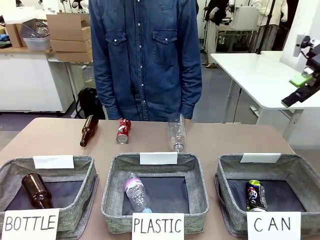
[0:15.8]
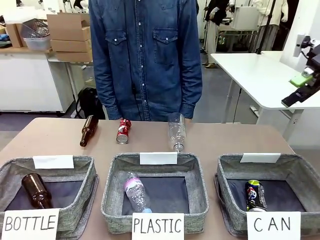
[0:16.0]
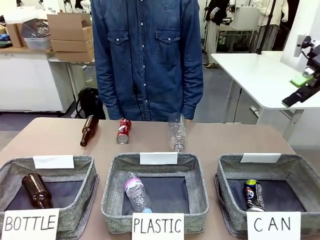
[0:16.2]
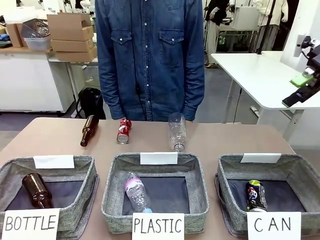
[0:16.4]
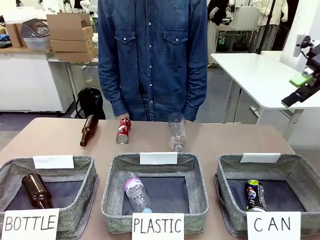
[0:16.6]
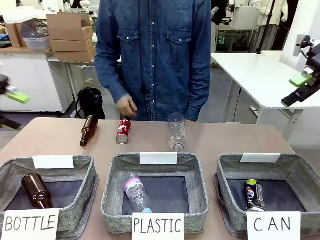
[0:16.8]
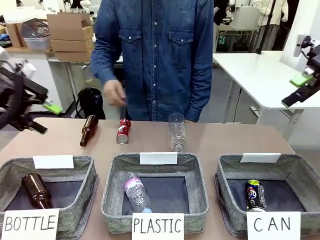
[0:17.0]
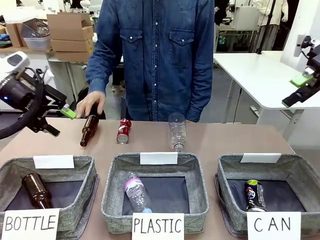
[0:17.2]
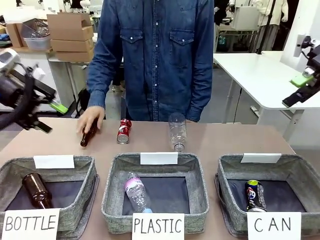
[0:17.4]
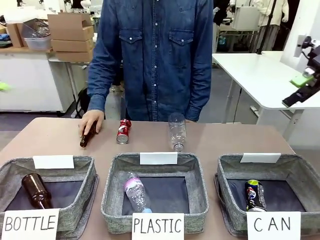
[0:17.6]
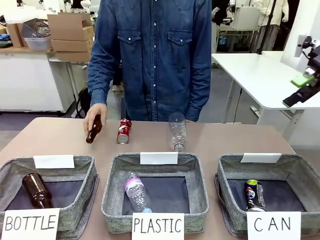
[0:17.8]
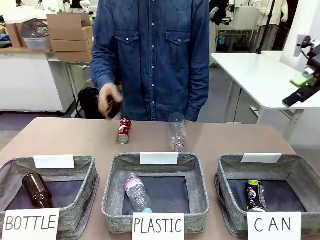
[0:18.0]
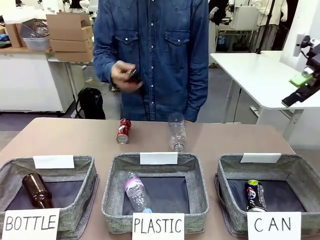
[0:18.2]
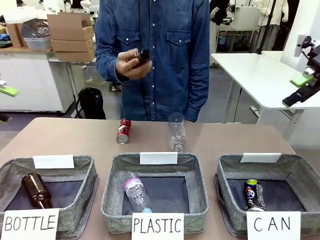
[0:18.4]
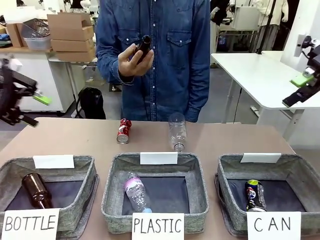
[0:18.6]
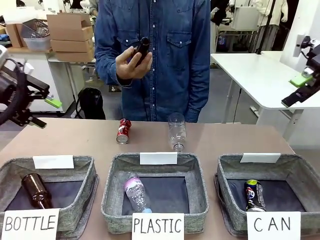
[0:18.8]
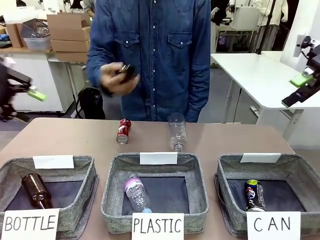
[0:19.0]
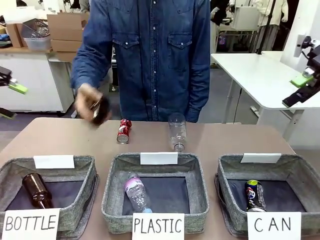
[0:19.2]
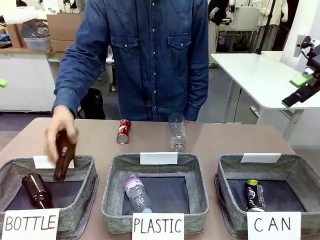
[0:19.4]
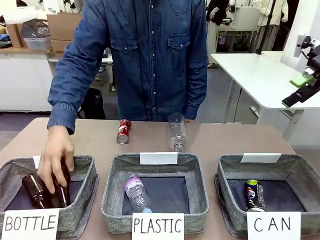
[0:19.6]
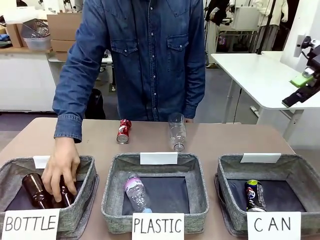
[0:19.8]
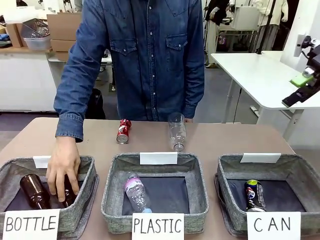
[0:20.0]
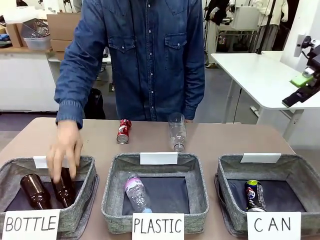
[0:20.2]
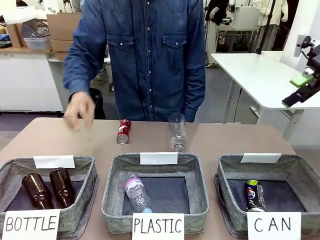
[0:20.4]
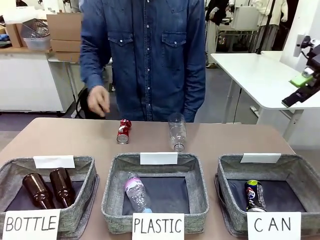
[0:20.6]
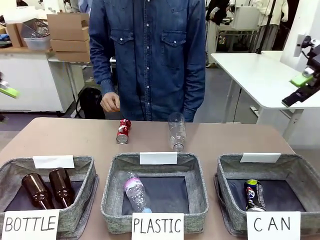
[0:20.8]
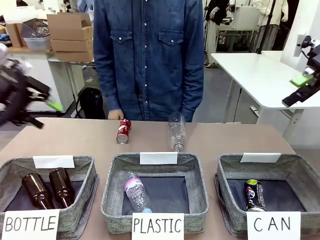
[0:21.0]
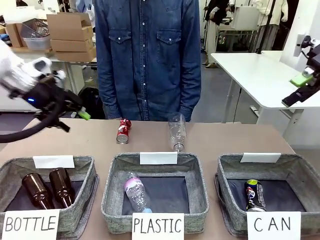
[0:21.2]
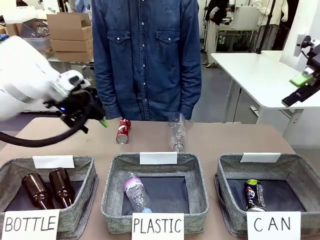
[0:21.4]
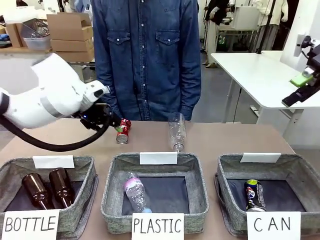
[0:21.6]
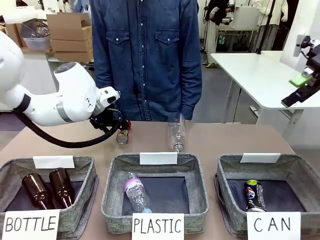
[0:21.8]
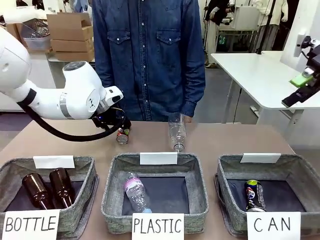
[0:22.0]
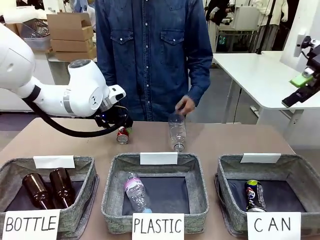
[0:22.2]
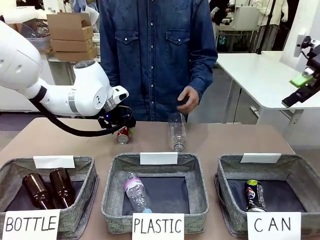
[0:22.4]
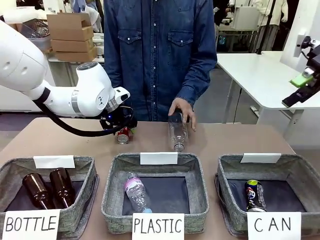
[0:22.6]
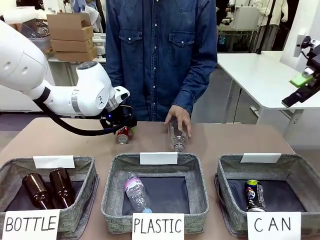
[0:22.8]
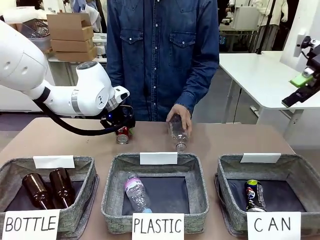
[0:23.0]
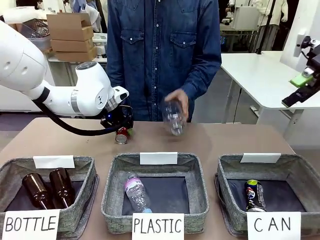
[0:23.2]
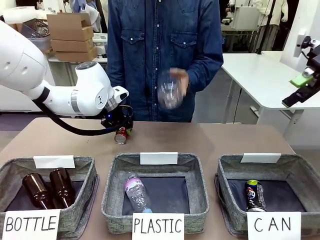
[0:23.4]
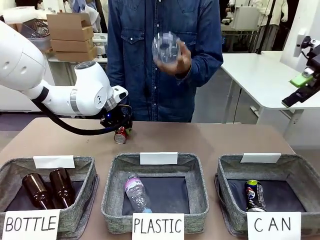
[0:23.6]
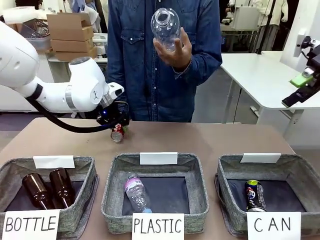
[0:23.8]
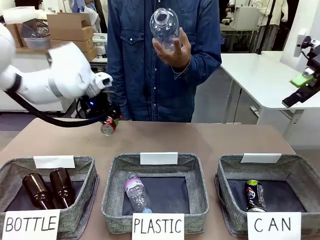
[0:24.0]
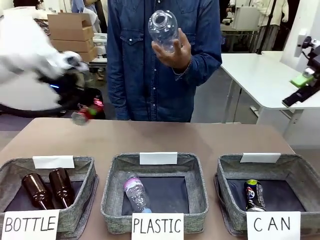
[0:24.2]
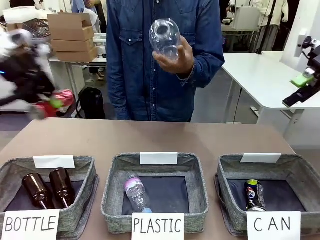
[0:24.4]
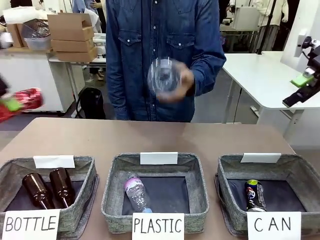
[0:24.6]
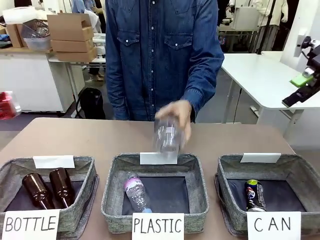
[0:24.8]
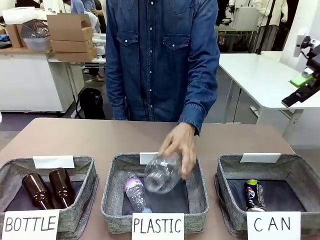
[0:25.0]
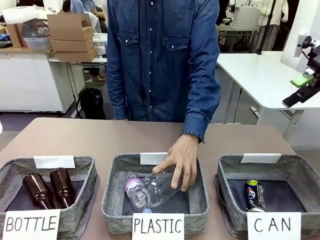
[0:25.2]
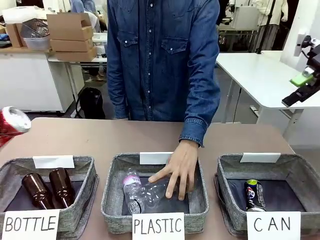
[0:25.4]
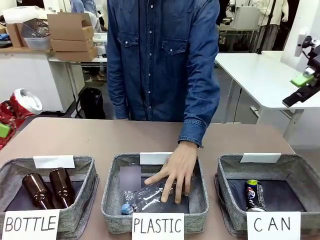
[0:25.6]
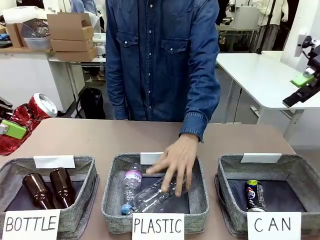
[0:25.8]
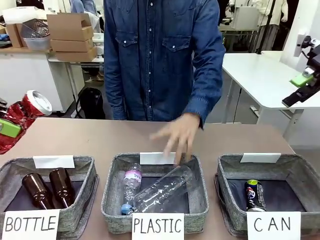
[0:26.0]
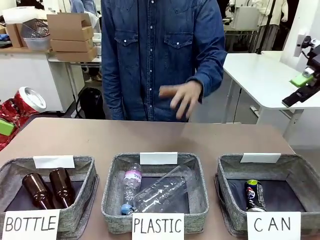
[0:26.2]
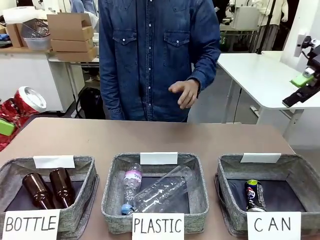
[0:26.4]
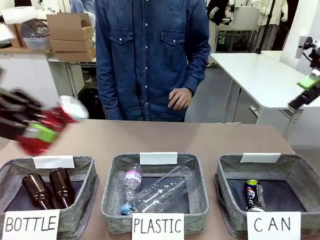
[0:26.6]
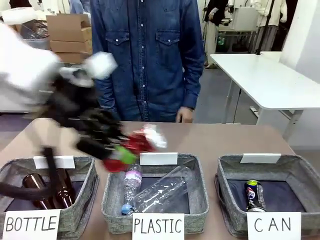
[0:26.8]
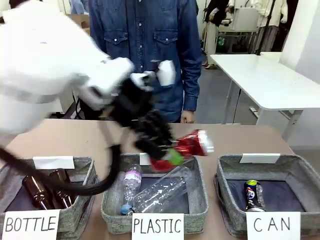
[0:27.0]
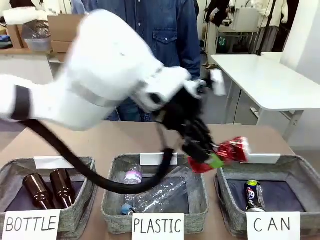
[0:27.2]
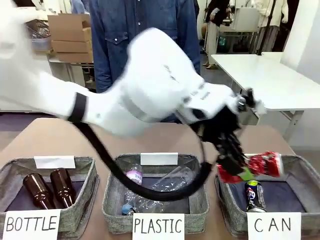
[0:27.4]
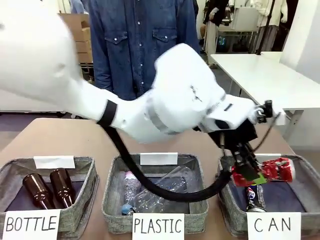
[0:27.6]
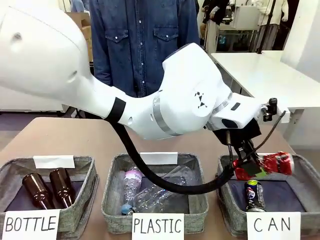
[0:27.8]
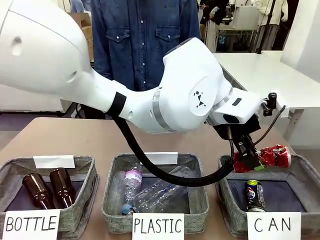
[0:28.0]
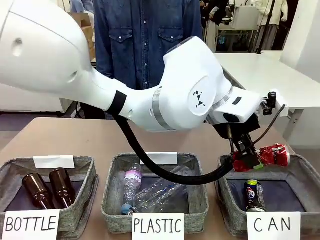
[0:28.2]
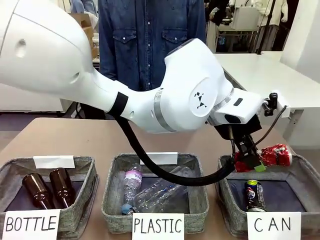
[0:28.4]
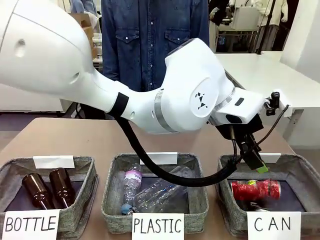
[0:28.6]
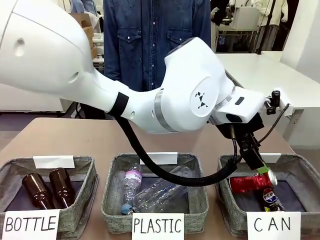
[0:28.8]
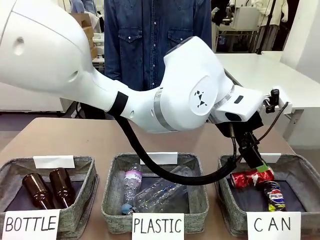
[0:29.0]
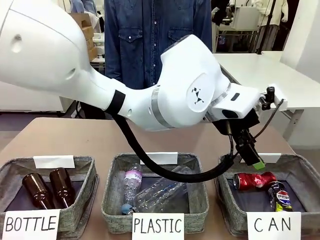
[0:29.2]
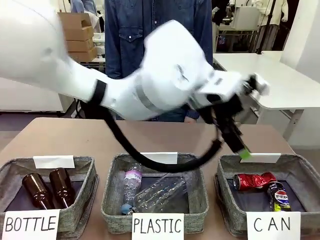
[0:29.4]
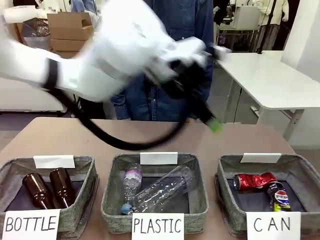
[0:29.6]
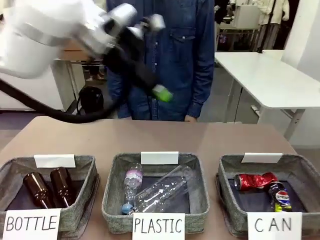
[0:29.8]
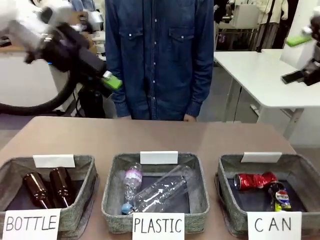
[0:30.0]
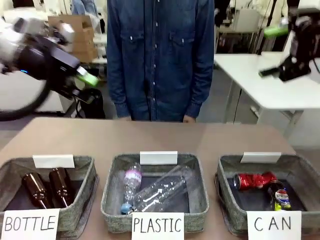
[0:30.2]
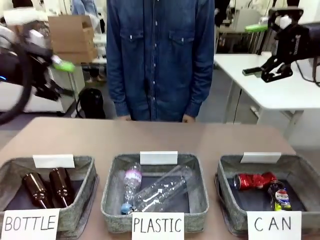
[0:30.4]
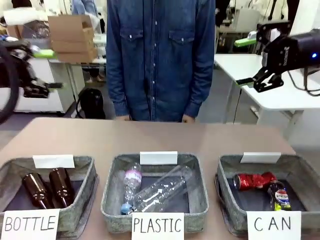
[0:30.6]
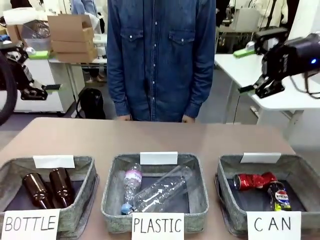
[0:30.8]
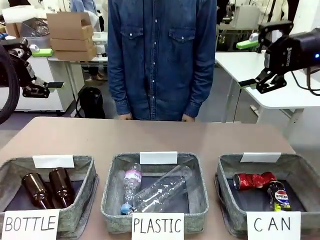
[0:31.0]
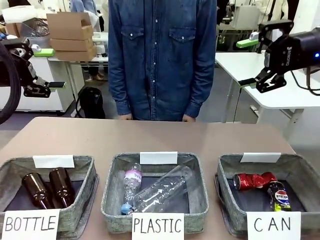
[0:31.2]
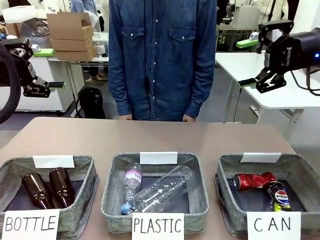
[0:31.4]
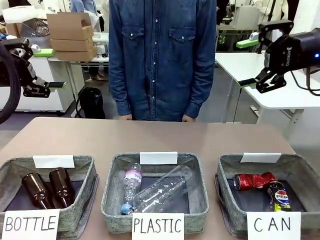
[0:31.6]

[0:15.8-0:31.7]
Task: Sort the can waste into the basket.
Robot: Pick up the can waste from the table and place it in the right Fabric basket.
Person: The human picks up one piece of trash that is not a can and places the trash into the appropriate organizing basket.
